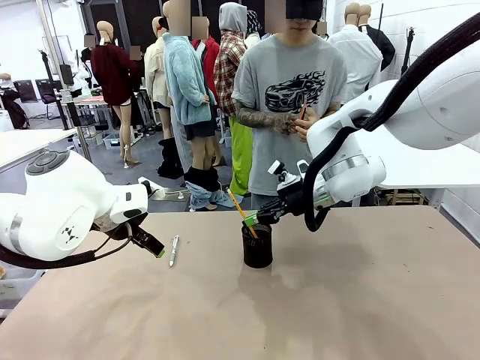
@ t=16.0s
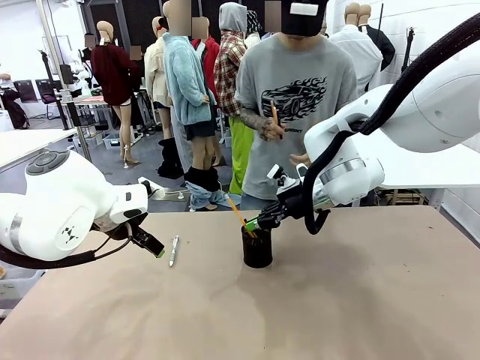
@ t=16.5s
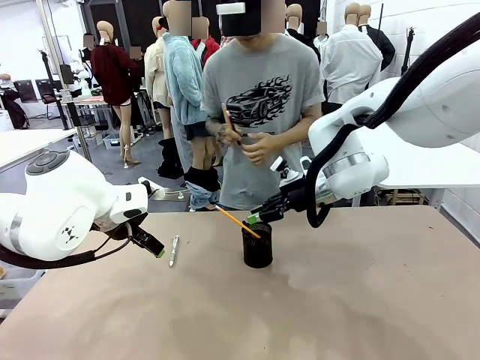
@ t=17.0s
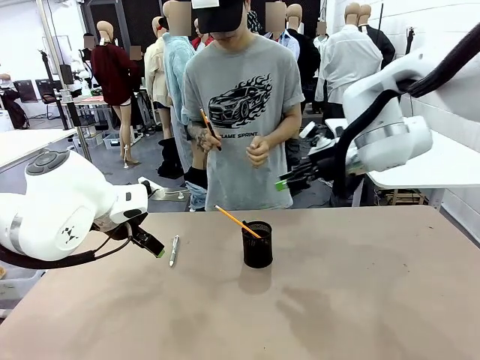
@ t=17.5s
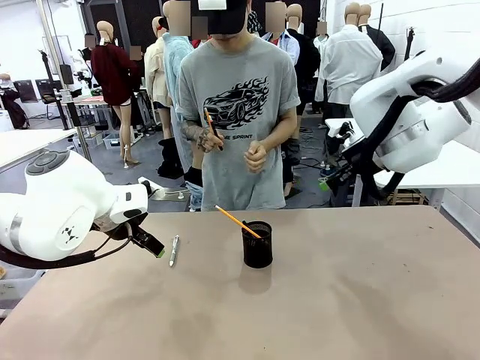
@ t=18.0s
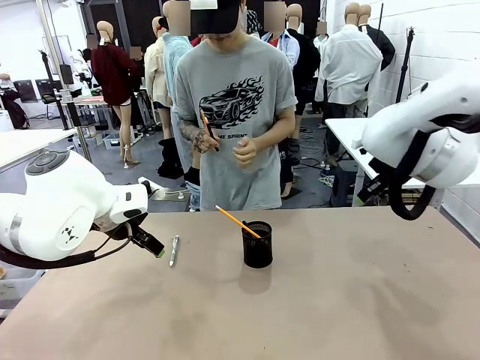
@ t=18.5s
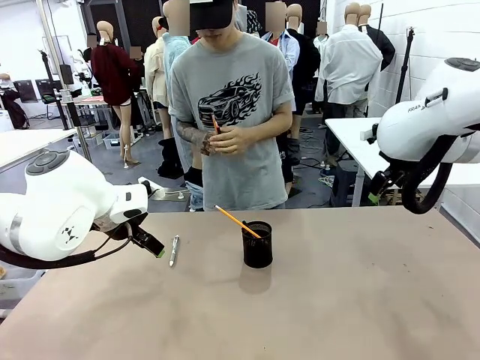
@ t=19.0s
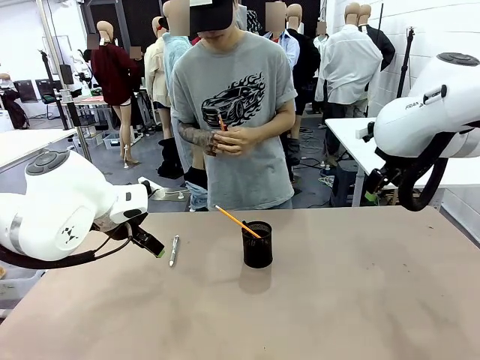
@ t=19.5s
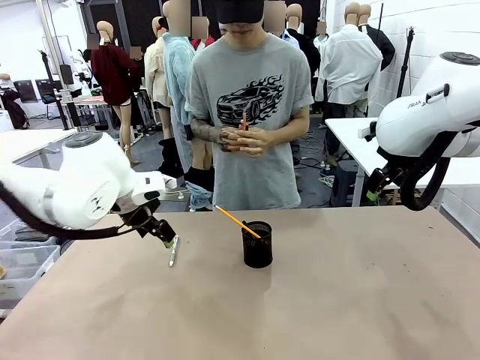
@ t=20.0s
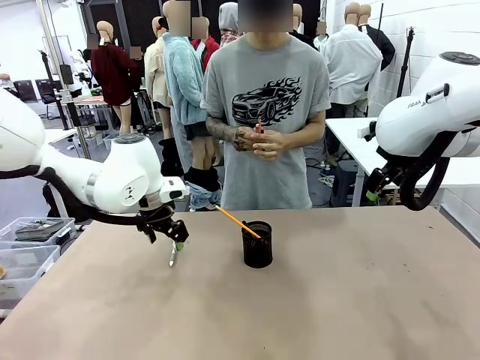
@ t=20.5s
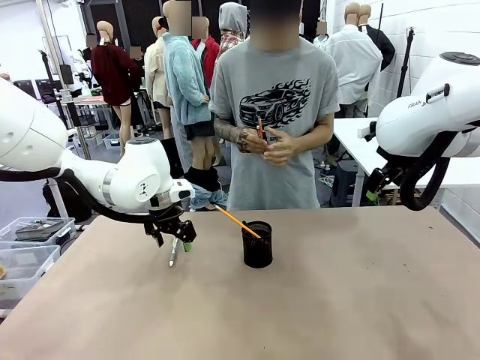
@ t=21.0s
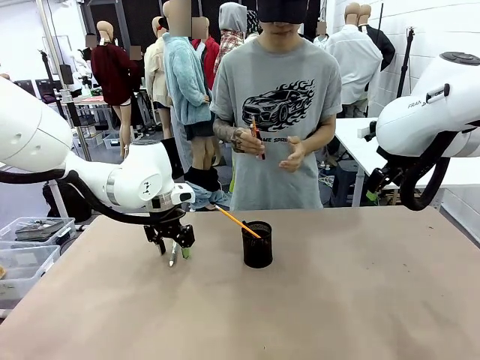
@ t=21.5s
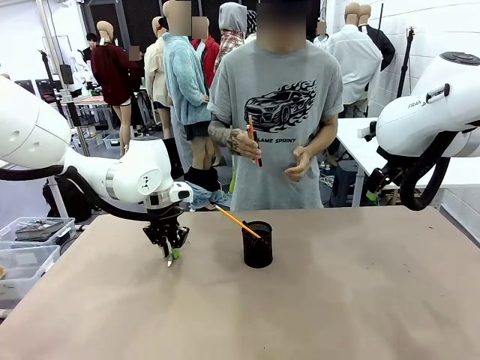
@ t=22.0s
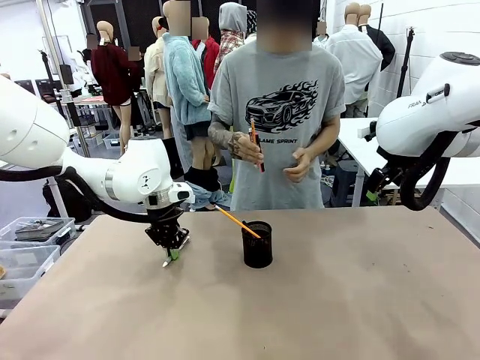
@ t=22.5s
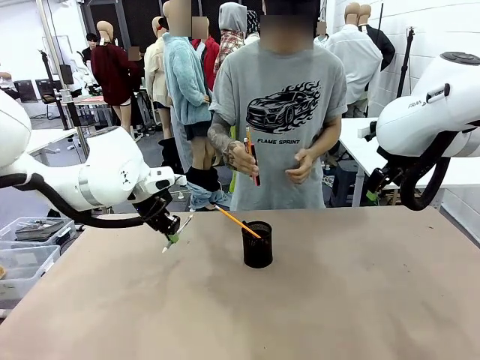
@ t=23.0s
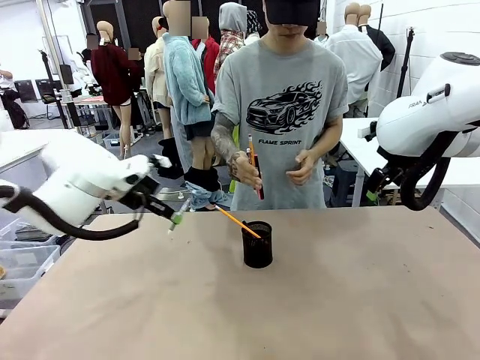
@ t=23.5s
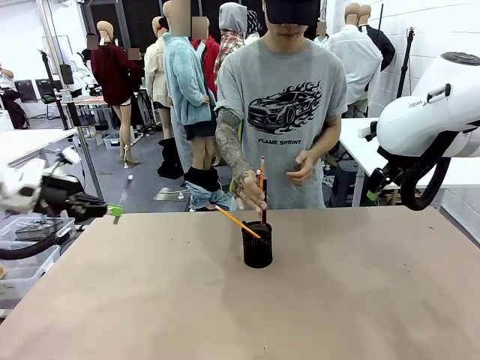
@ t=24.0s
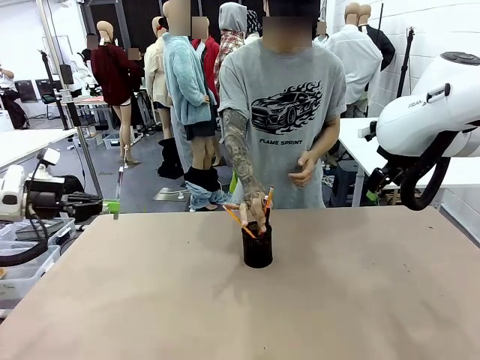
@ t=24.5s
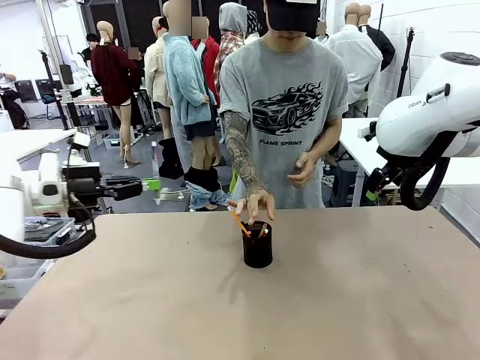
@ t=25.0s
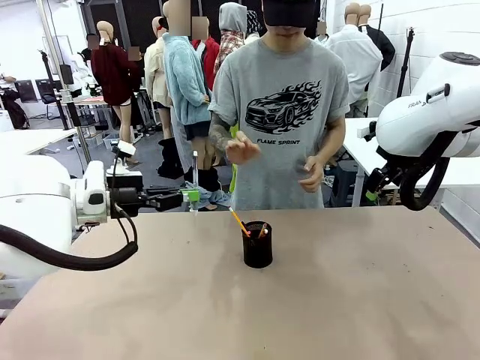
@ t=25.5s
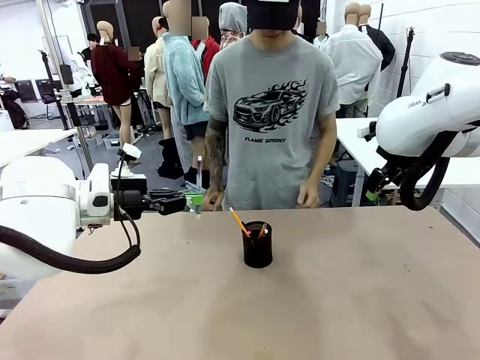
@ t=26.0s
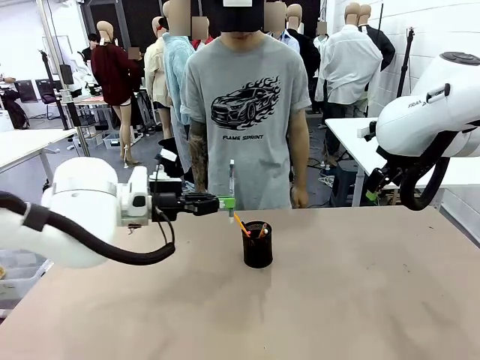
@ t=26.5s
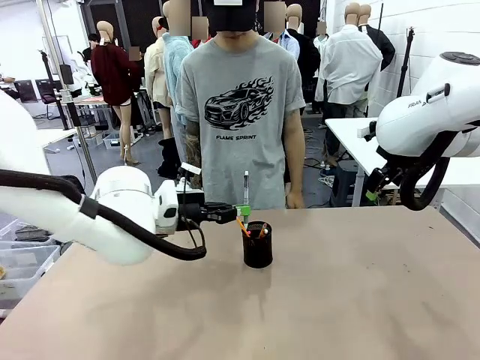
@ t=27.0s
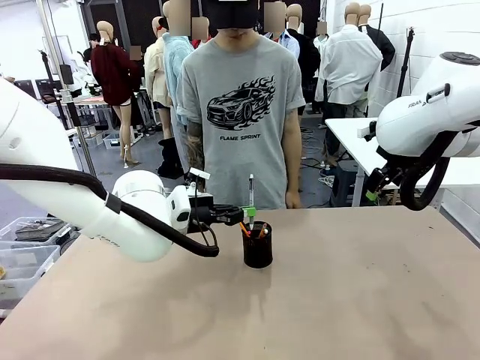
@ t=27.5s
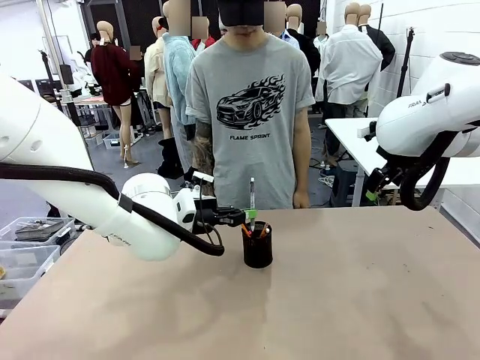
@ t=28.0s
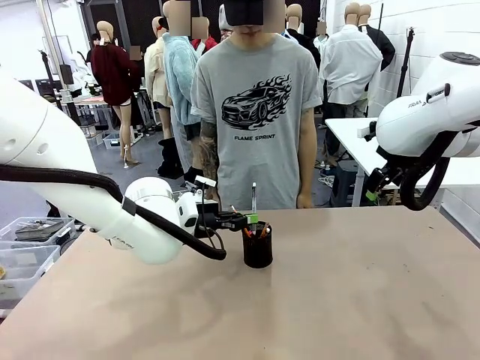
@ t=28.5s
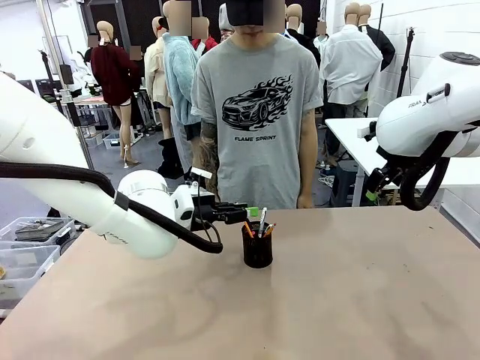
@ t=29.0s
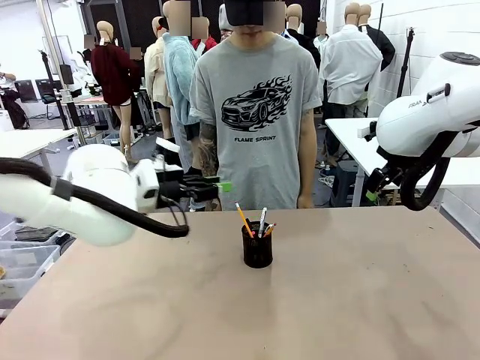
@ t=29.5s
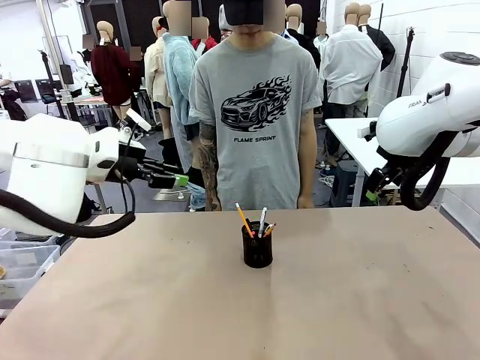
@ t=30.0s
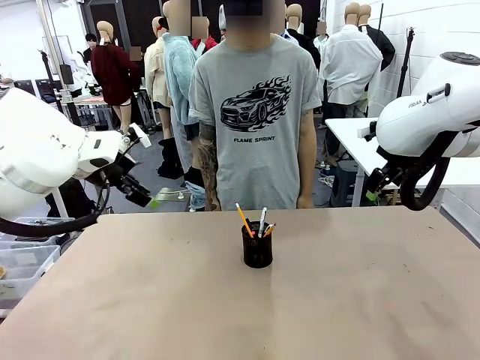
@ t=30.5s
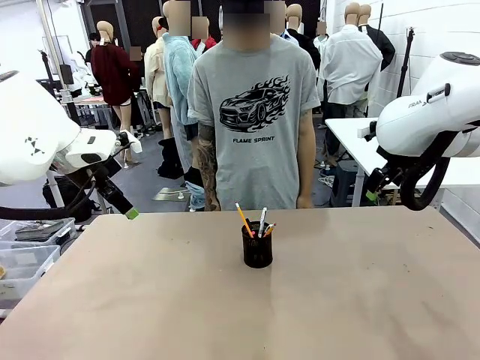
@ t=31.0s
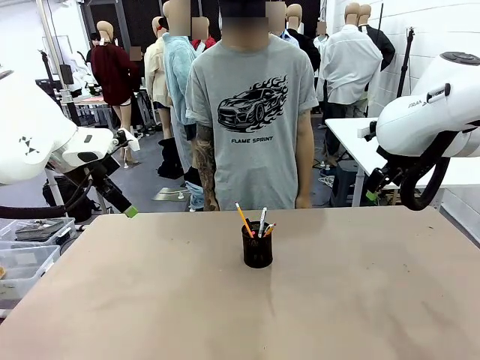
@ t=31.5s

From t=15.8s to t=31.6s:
Task: Place the pens into the pen holder.
Robot: Pick up a writing instrument from the table and place it into the Pen holder.
Person: Place all writing instrument into the Pen holder.
